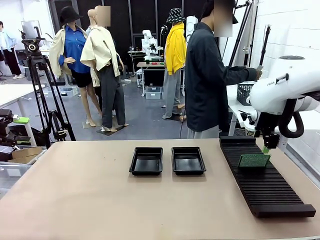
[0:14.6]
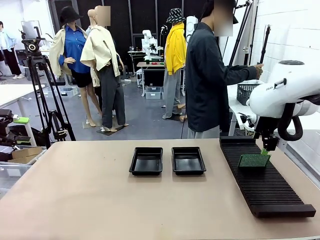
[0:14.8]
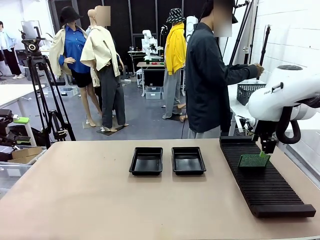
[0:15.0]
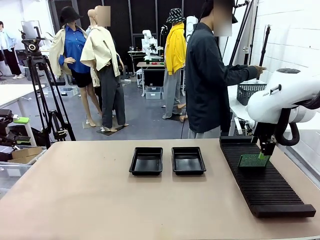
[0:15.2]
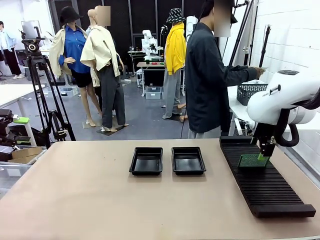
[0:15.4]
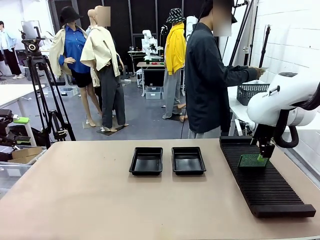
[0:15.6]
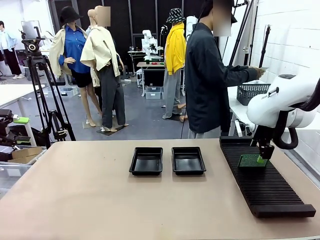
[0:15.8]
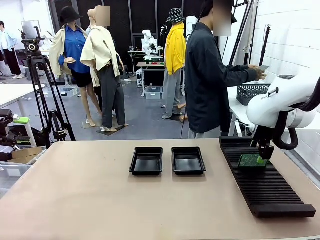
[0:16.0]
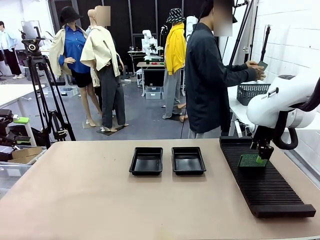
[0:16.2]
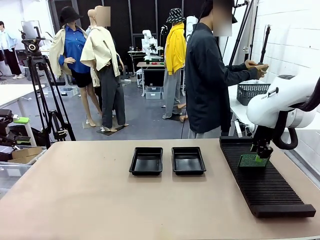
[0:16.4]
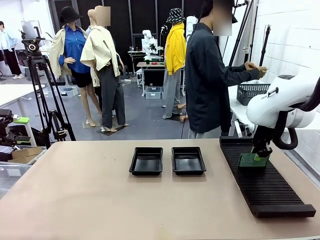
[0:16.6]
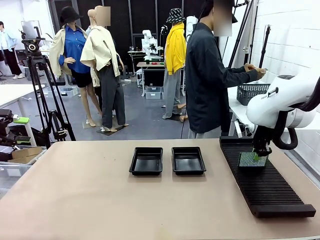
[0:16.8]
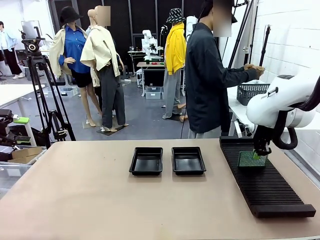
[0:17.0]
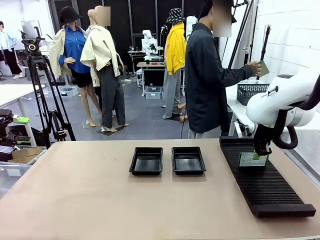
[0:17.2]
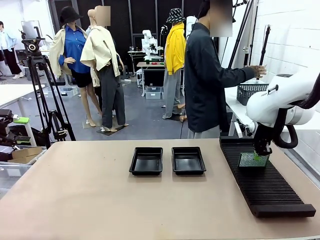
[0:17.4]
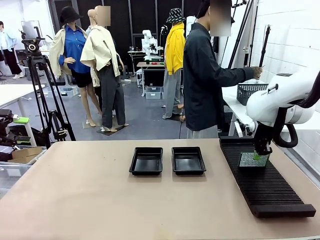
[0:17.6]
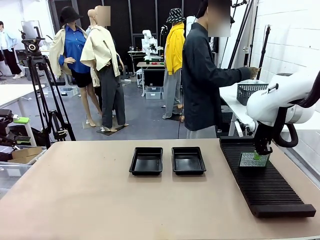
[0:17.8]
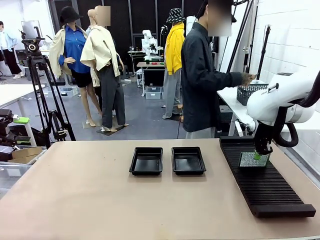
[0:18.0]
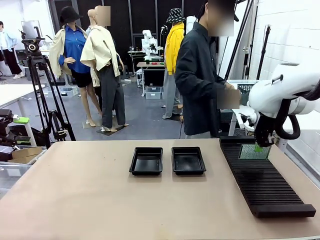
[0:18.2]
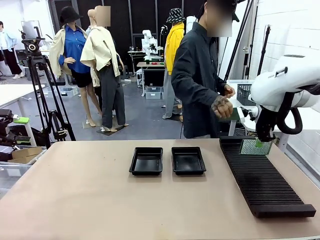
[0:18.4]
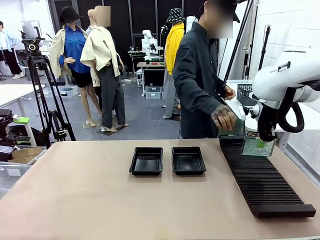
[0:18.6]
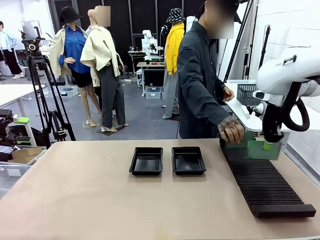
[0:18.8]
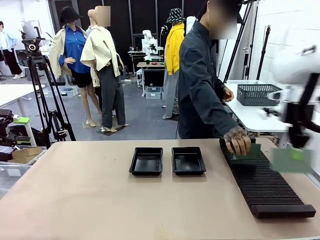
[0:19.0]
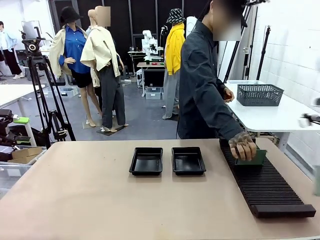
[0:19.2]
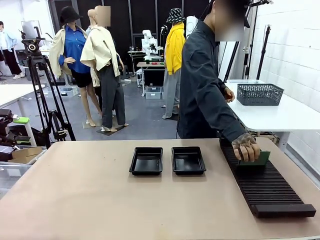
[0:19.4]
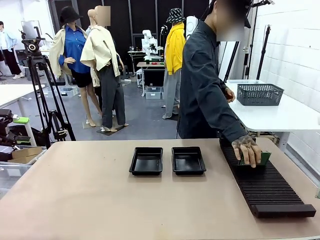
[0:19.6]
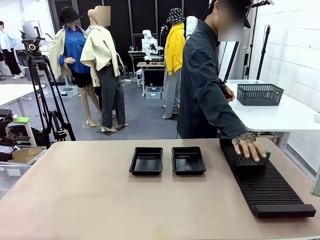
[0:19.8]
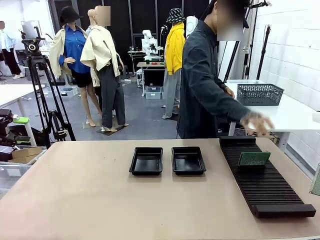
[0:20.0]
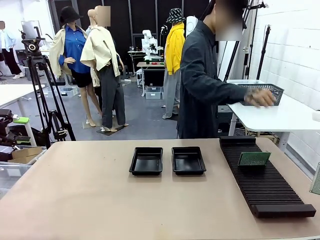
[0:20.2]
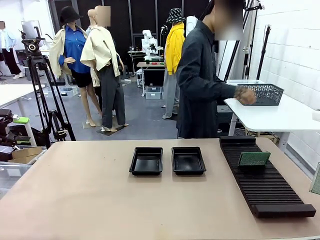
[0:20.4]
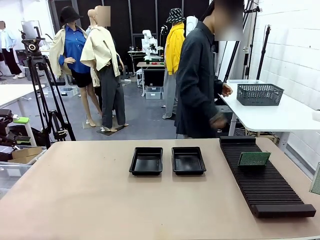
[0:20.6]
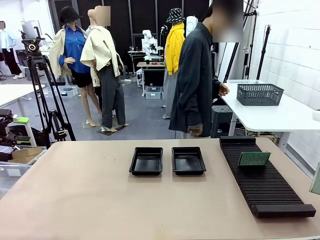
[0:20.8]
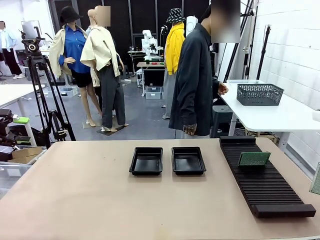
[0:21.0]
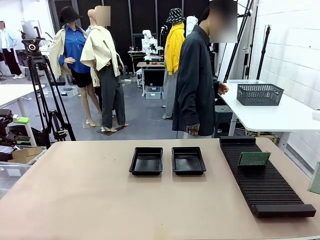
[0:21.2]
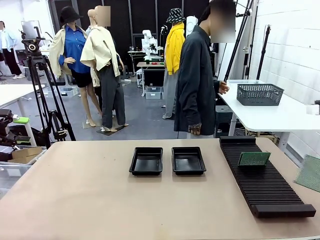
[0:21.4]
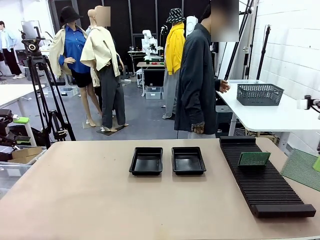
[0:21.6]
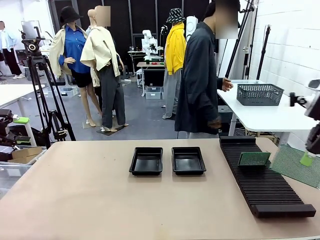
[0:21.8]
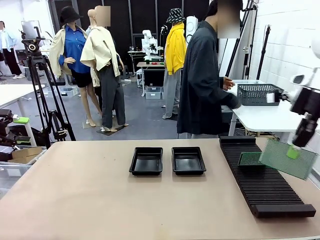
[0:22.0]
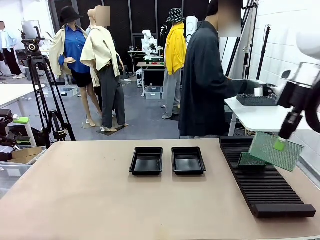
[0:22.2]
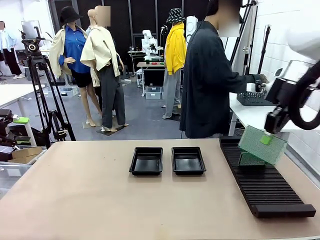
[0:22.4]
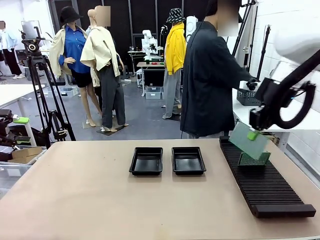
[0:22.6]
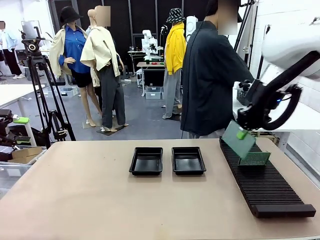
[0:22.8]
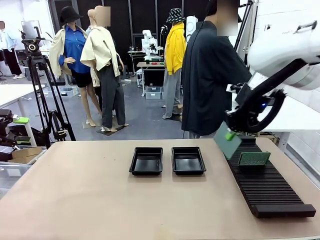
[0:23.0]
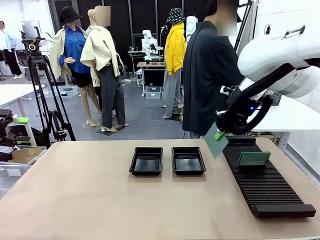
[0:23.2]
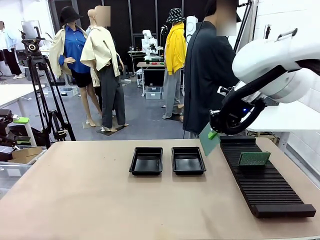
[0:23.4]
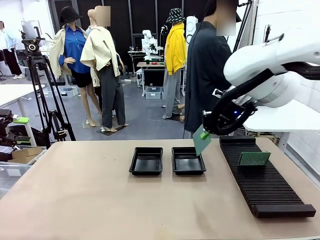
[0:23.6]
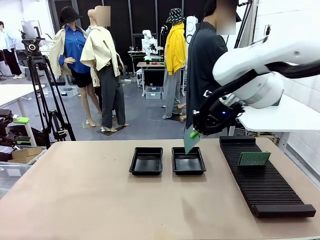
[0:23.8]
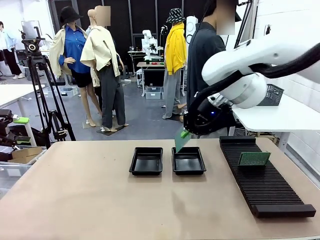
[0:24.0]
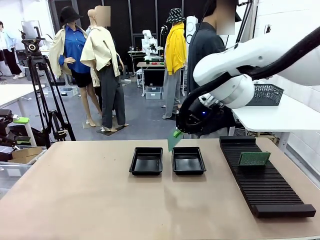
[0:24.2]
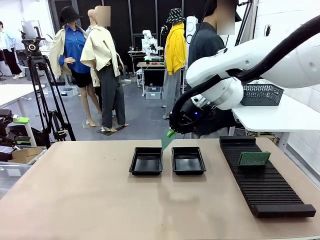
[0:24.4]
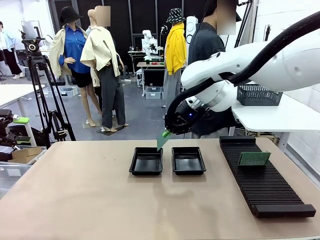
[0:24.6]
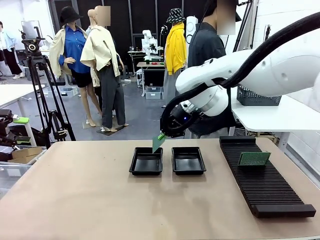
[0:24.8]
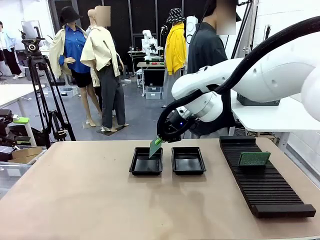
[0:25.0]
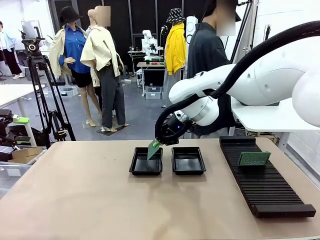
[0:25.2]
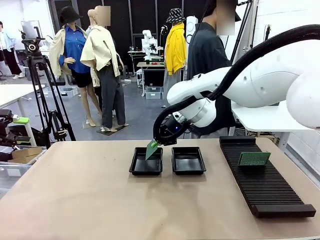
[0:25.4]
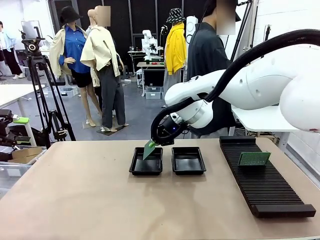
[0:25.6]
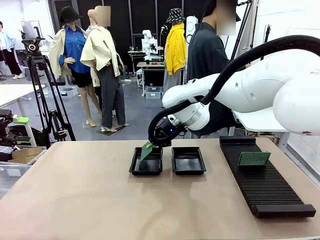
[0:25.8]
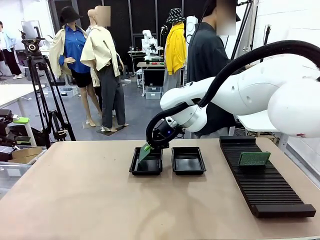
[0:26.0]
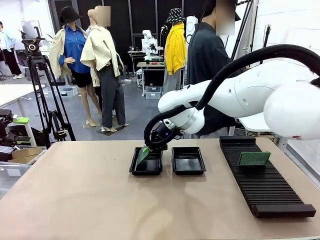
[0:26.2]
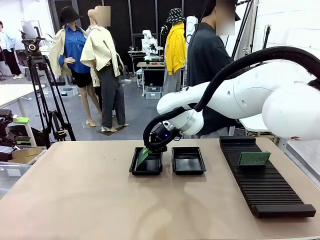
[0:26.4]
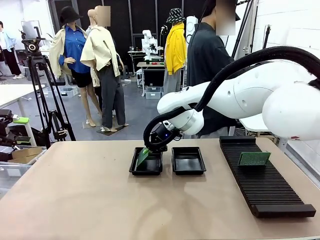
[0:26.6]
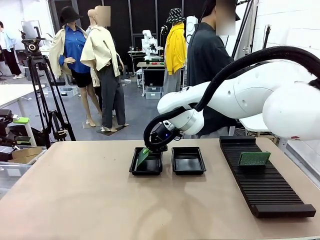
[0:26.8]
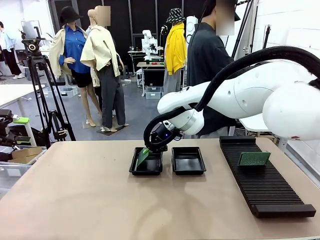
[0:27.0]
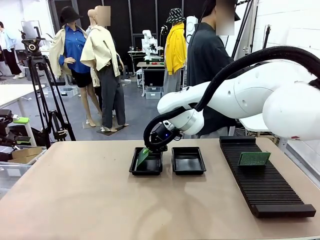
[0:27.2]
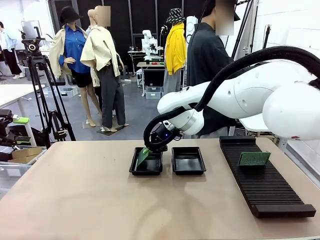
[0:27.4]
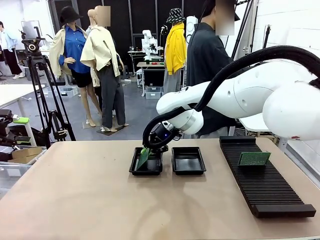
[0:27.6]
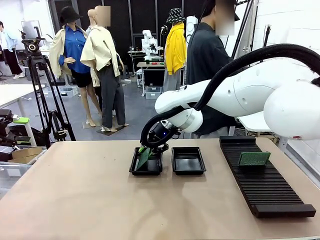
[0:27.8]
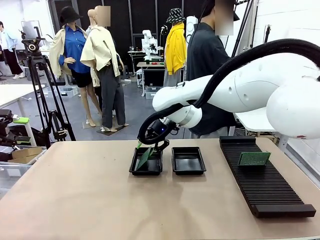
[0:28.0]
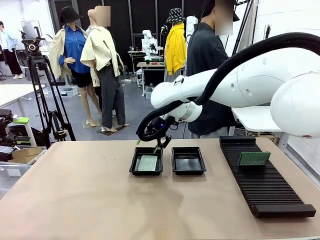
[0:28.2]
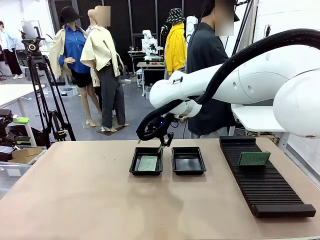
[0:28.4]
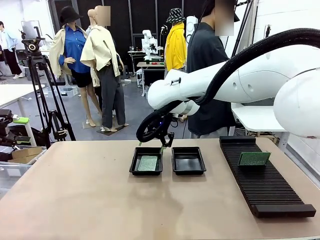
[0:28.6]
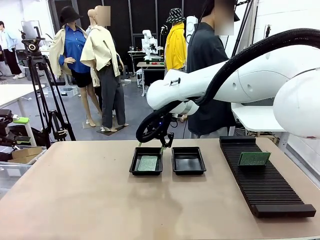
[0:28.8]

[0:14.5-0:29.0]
Task: Inspect and transfer BCBs to ESD trays.
Robot: Pick up the Blank PCB from the PCB Rack and place it in the left ESD tray.

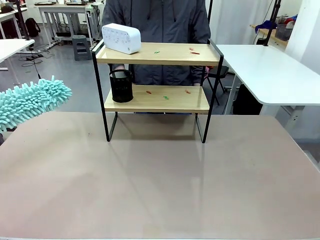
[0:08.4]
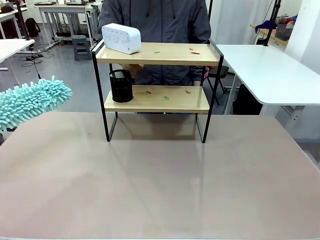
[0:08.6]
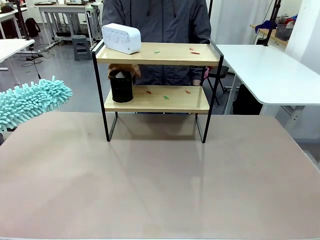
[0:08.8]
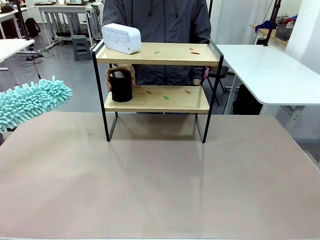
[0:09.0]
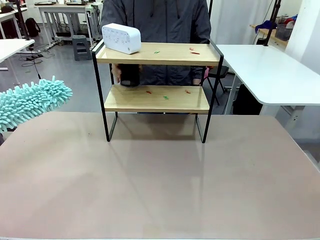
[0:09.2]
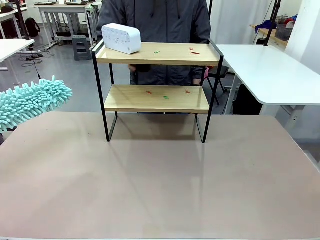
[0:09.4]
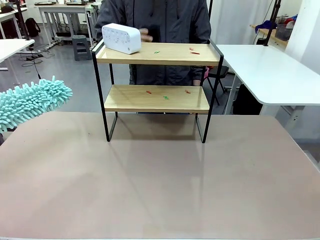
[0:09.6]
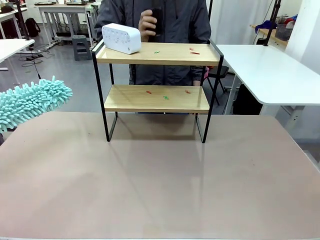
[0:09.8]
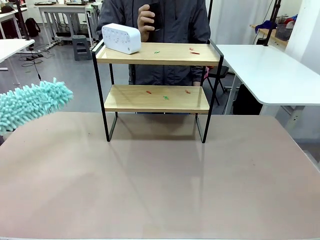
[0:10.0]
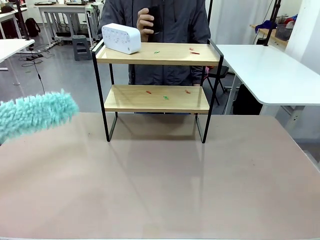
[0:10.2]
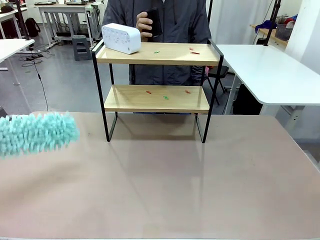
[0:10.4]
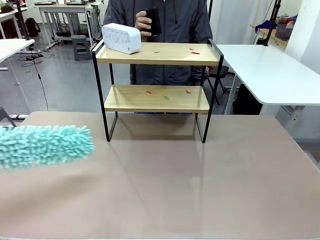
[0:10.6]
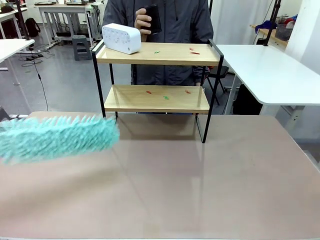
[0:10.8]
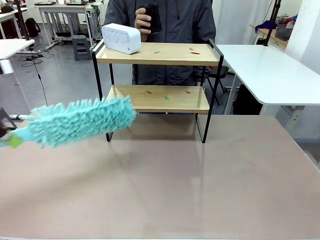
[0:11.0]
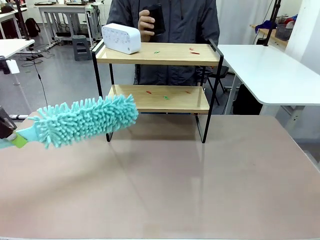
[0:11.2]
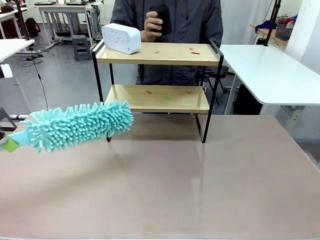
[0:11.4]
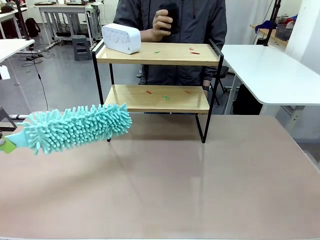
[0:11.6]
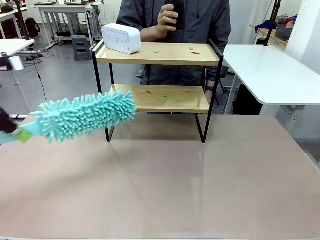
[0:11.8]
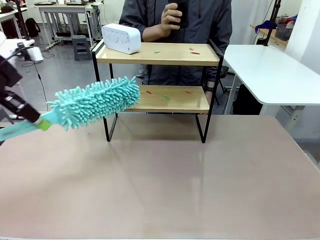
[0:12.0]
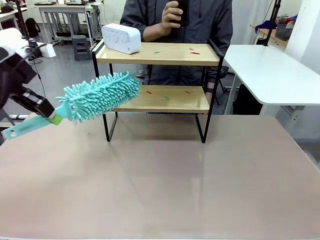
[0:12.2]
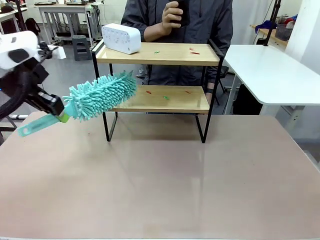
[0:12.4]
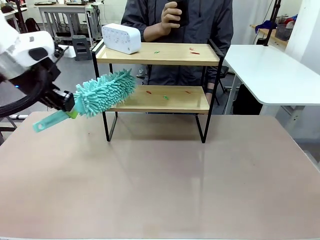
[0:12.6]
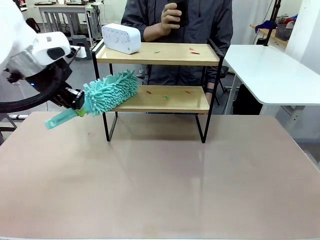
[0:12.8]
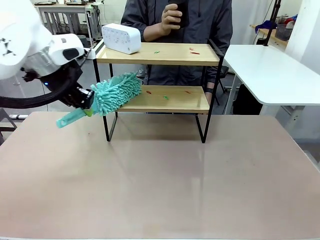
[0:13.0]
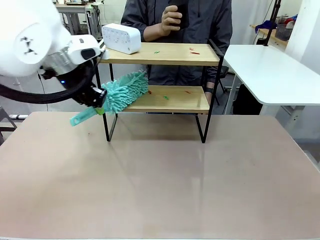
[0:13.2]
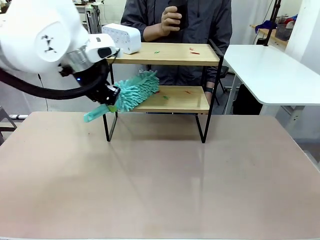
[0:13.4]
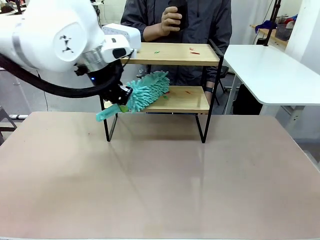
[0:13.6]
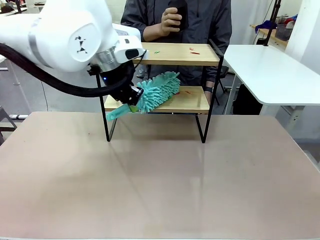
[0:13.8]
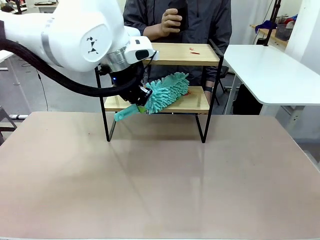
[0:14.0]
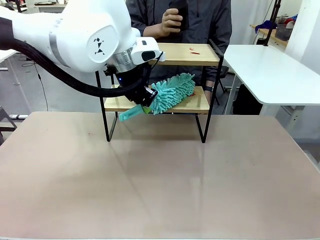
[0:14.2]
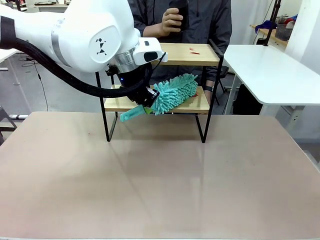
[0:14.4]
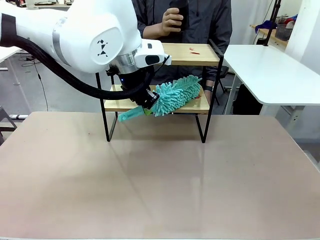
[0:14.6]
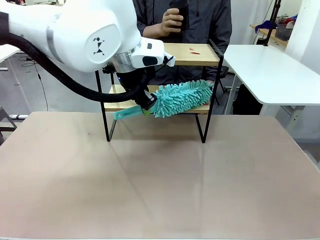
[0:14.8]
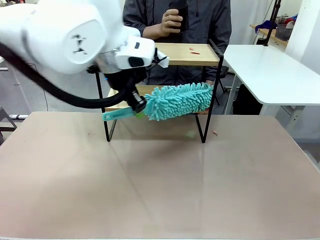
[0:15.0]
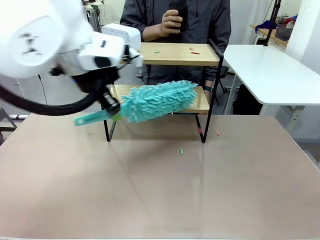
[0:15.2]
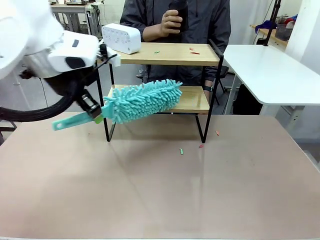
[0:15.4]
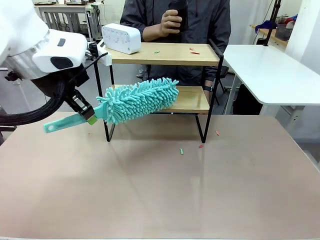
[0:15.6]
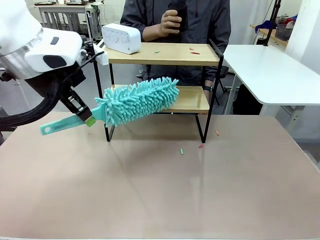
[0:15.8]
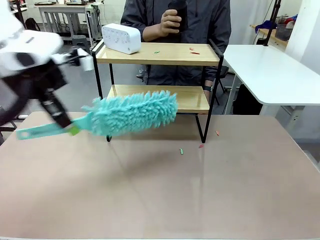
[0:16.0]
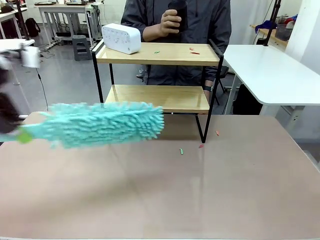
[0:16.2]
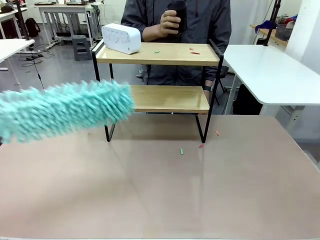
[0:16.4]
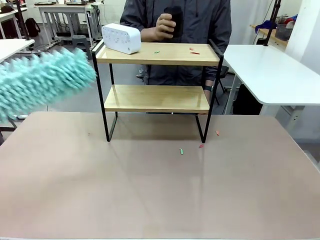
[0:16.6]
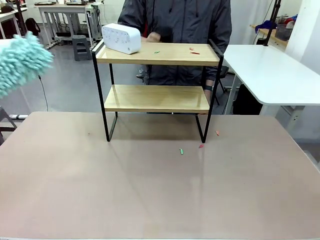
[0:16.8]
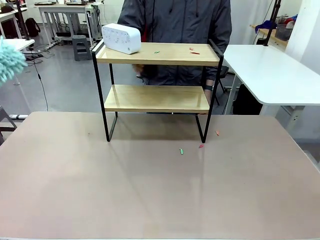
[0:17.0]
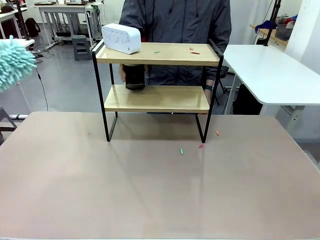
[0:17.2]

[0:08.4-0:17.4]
Task: Clean the shelf.
Robot: Clean the specific tier of the Shelf with the Duster once objects are removed.
Person: Lift the objects on a randomly selected tier of the Shelf. Once the robot finishes cleaning, lift the objects on the remaining tiers of the Shelf.
